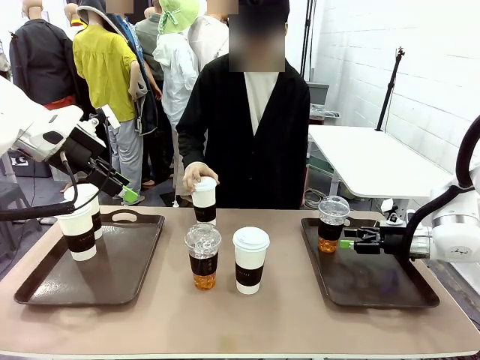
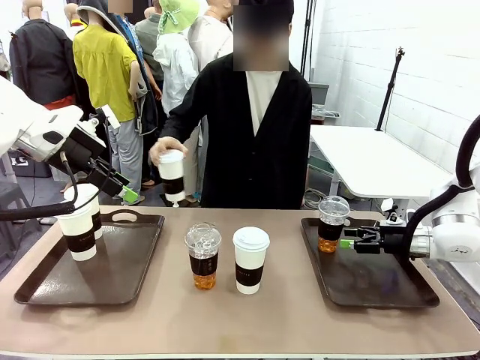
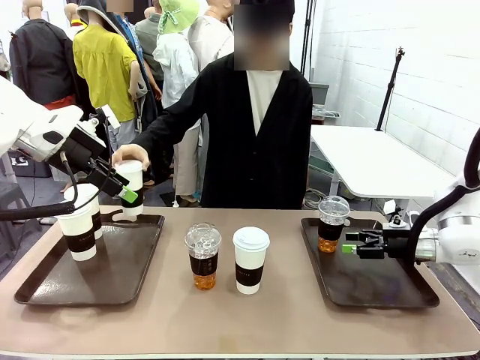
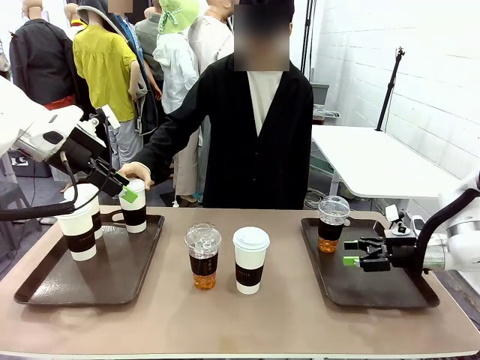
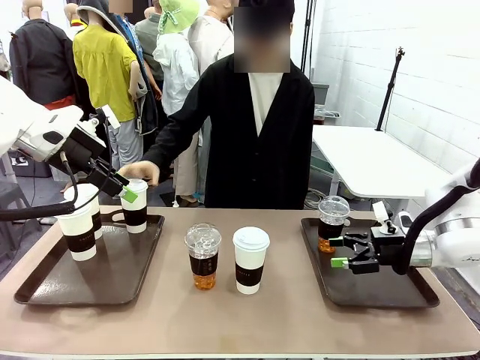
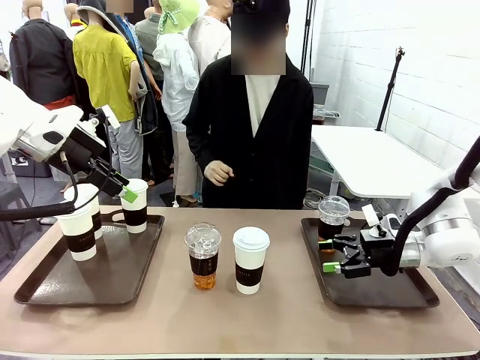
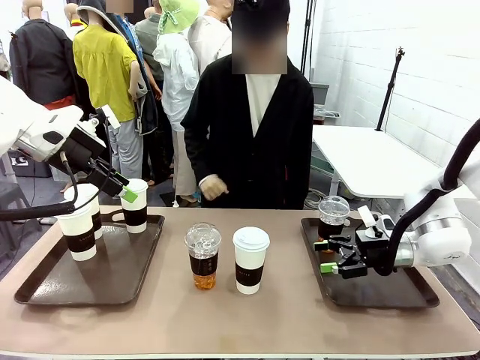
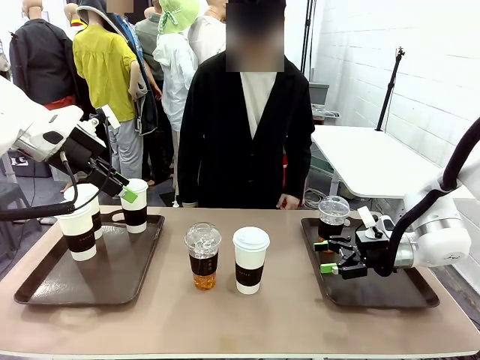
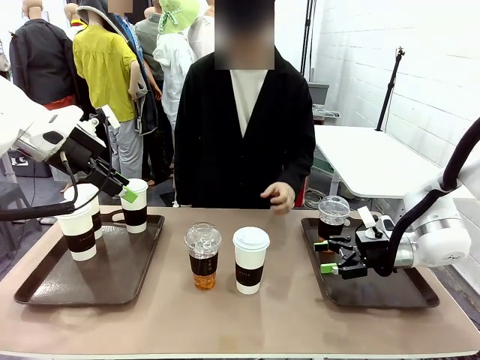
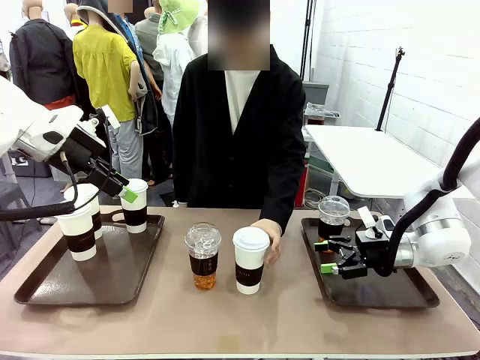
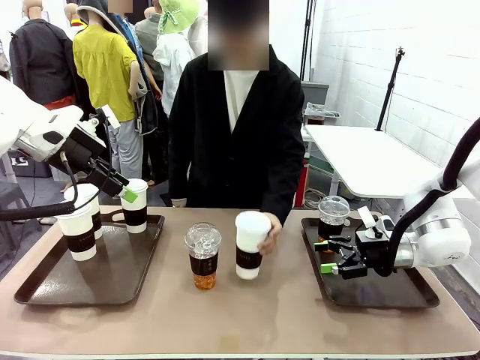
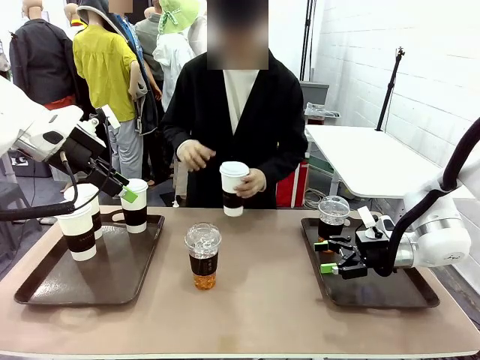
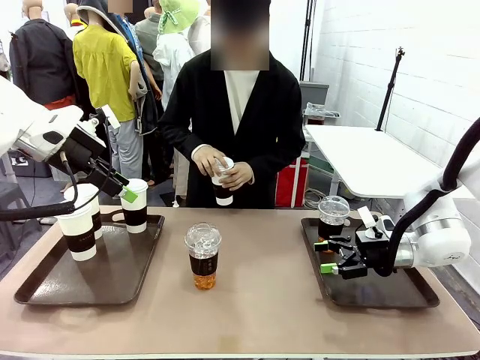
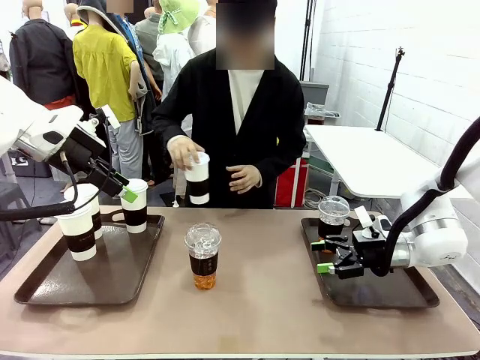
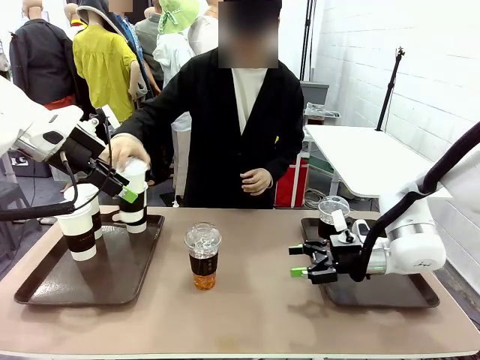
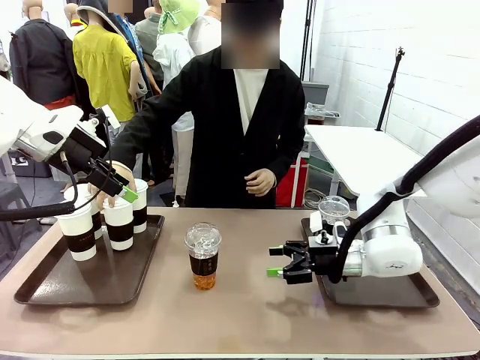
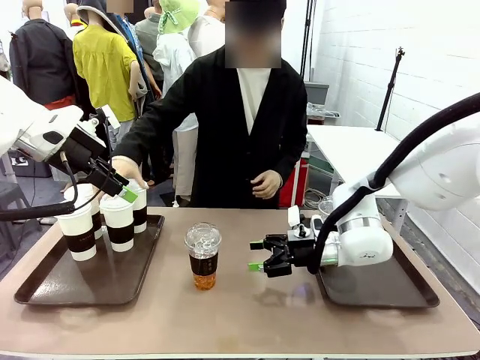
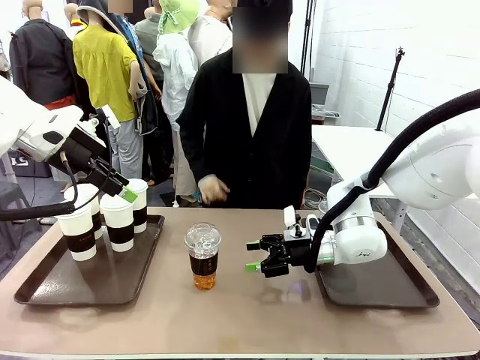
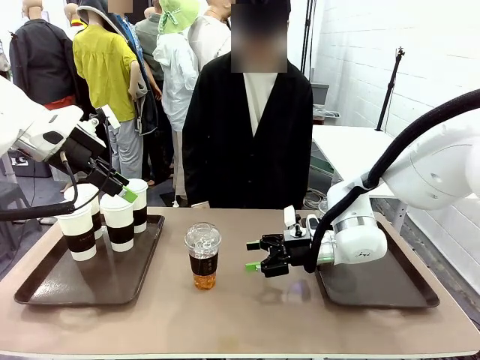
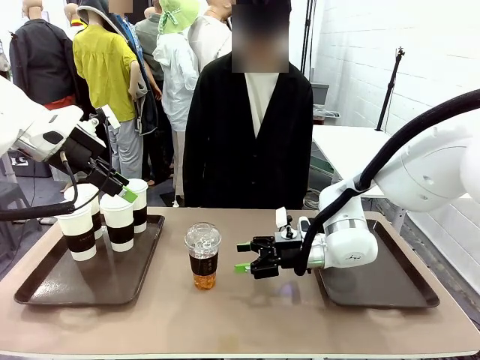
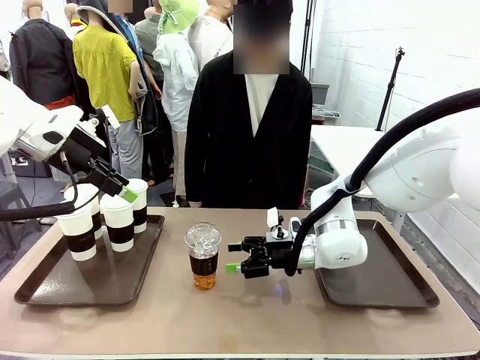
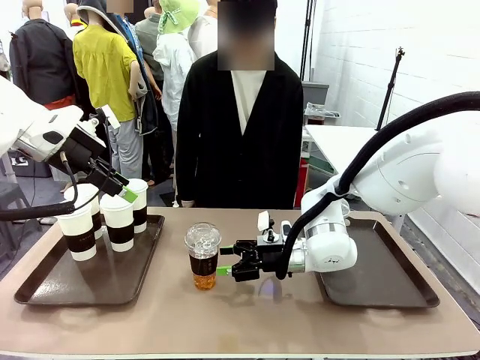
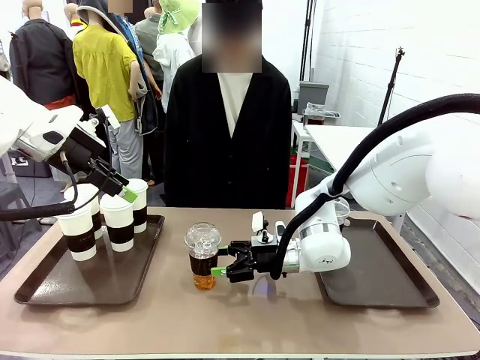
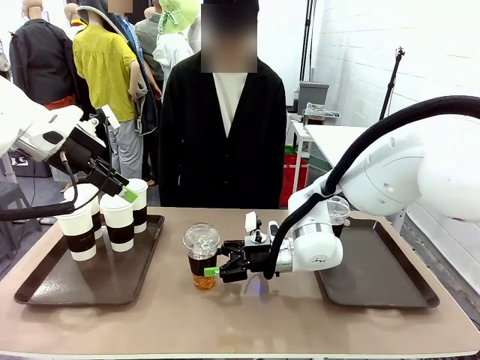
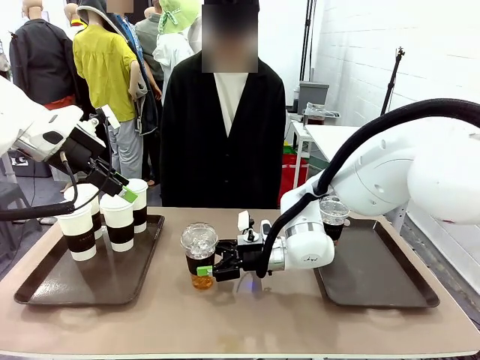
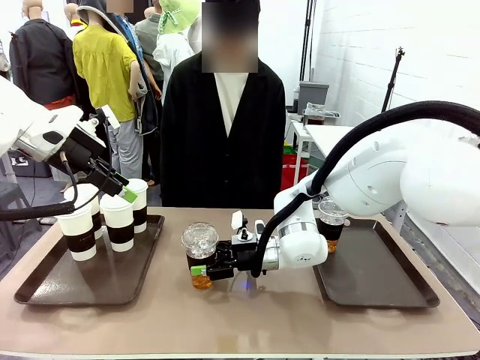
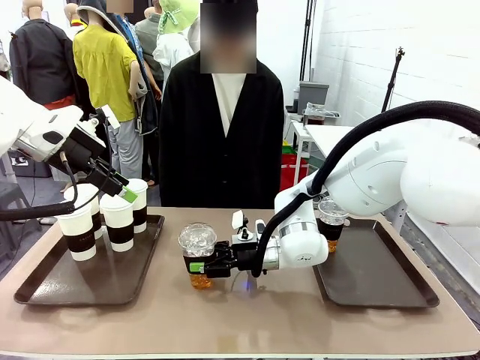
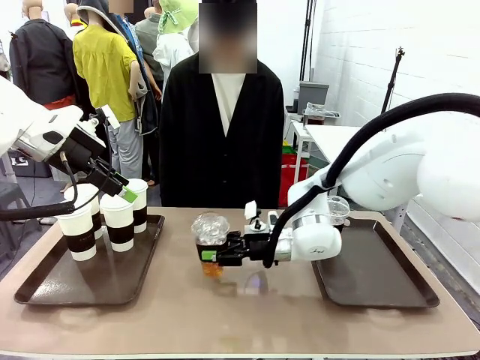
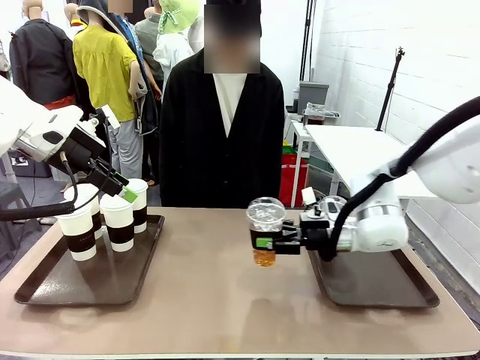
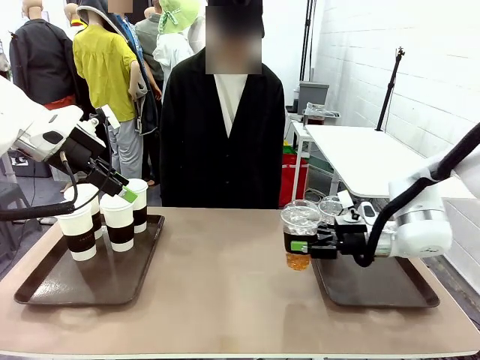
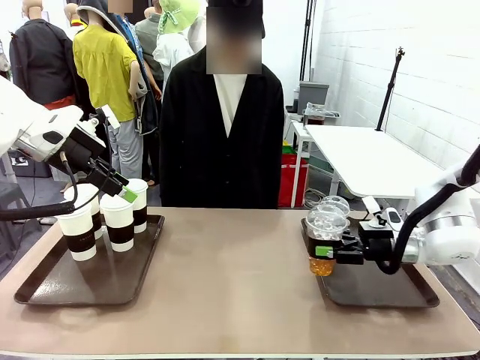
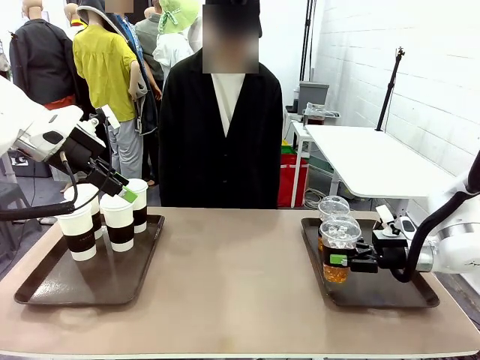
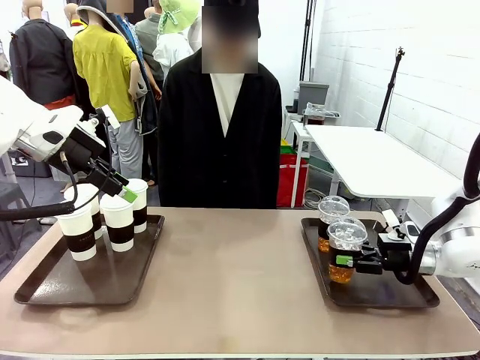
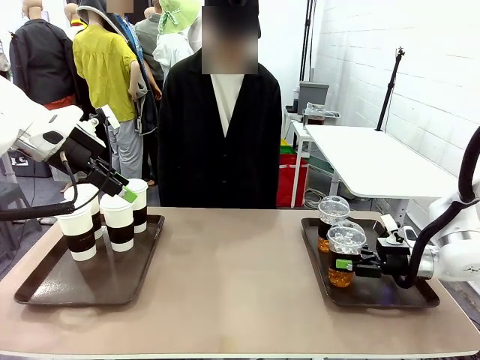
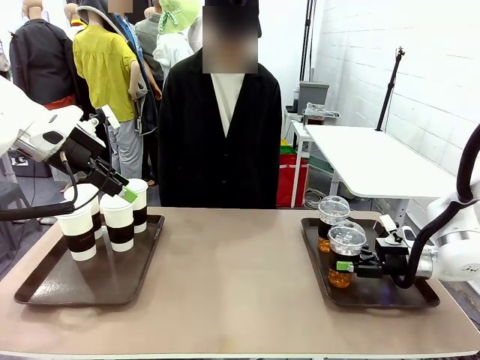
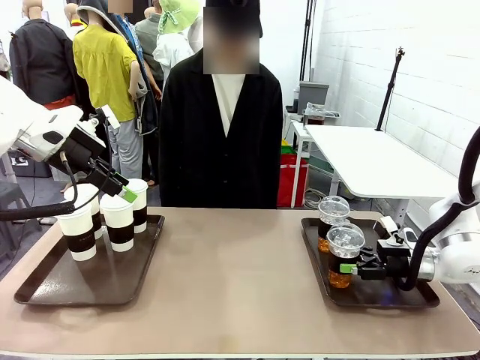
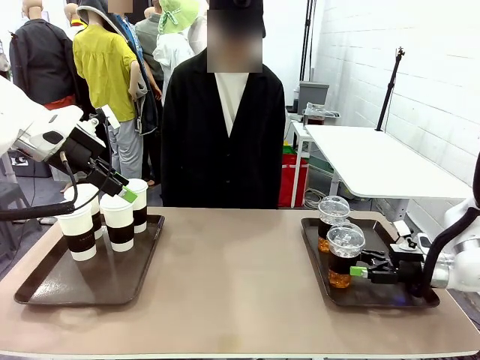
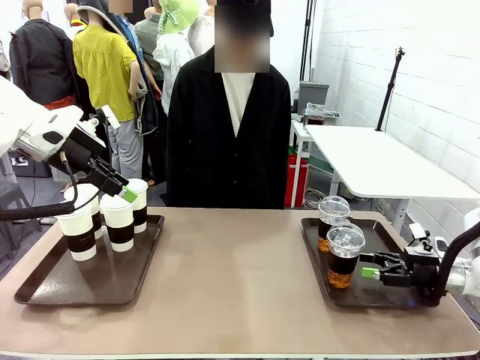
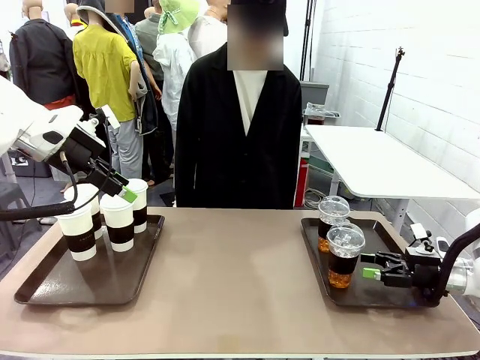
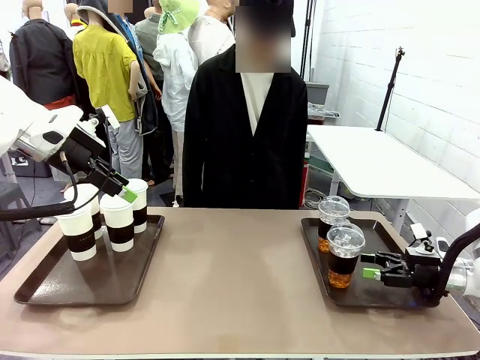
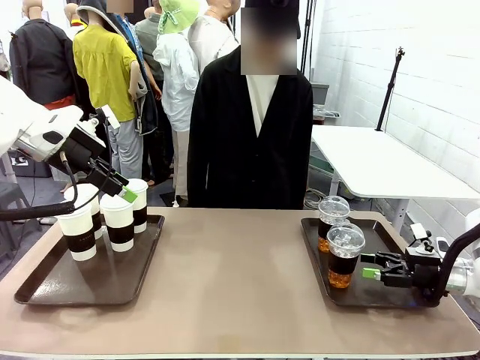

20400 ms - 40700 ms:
Task: Distribute the coffee onto the tray.
Robot: Pick up another iced Americano from the middle of the table and place it on the right Handle tray.
Person: Pick up a cup of hot Americano from the middle of the table and place it on the right tray.
